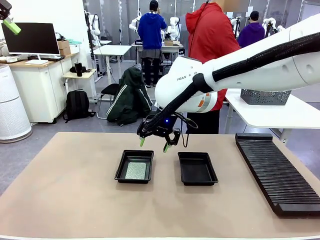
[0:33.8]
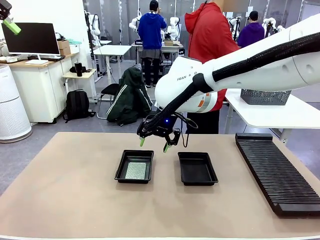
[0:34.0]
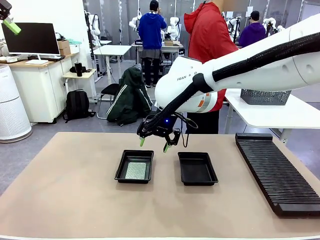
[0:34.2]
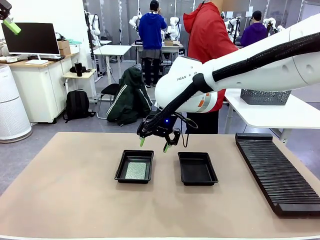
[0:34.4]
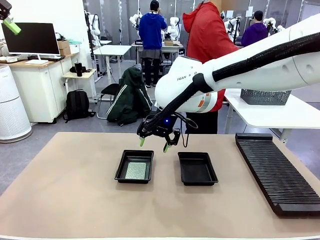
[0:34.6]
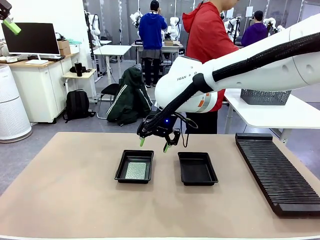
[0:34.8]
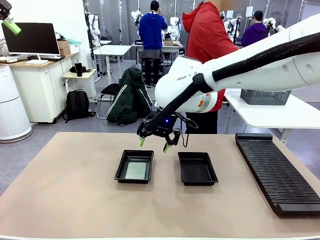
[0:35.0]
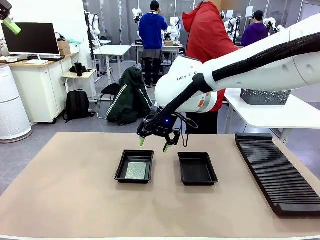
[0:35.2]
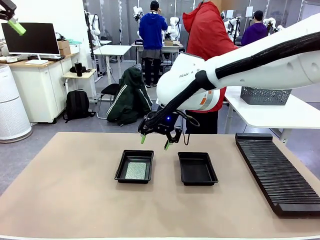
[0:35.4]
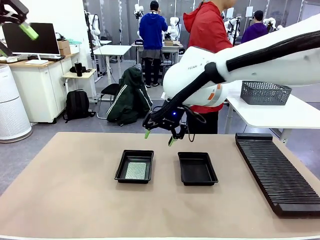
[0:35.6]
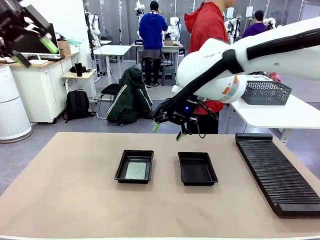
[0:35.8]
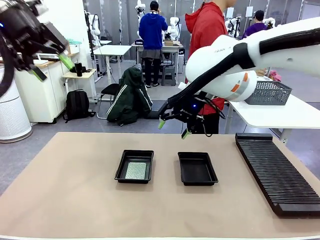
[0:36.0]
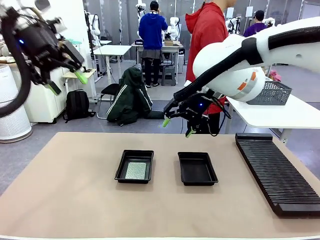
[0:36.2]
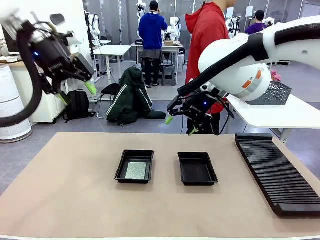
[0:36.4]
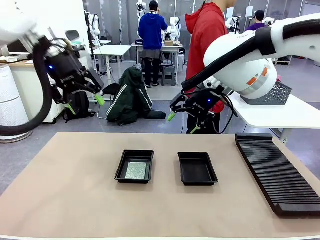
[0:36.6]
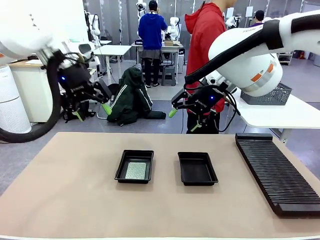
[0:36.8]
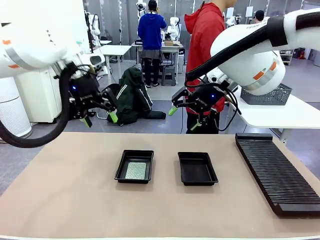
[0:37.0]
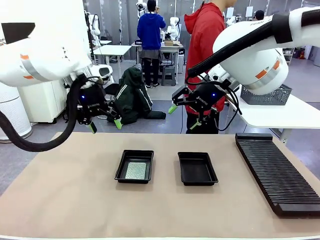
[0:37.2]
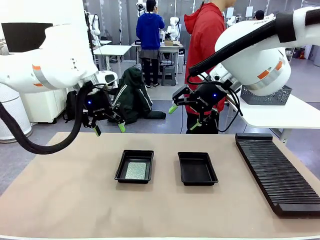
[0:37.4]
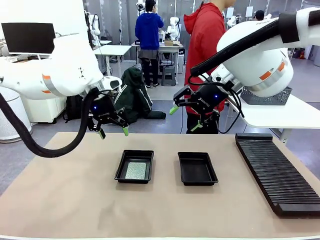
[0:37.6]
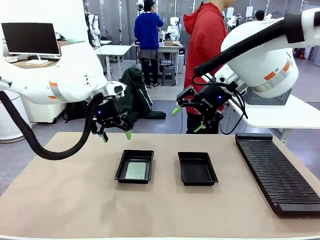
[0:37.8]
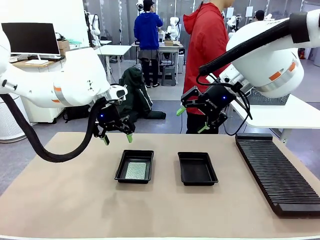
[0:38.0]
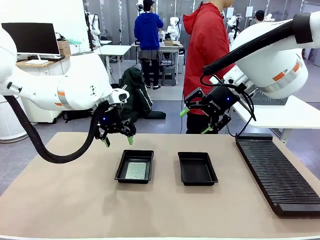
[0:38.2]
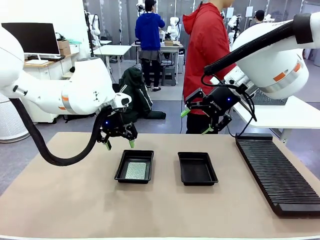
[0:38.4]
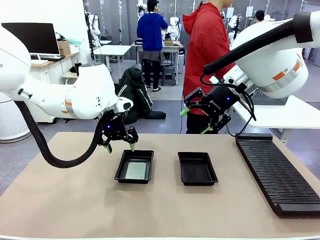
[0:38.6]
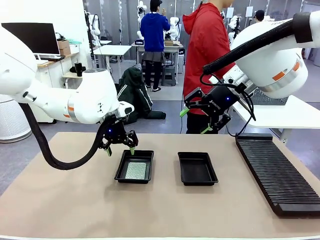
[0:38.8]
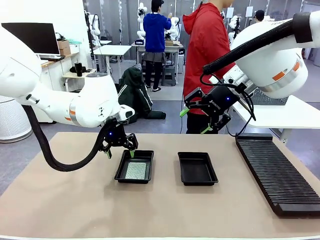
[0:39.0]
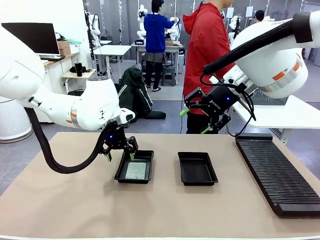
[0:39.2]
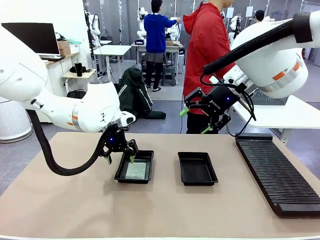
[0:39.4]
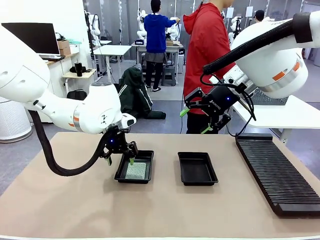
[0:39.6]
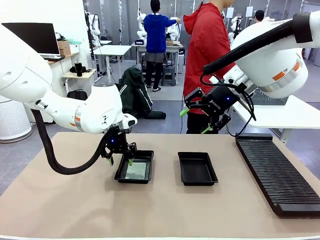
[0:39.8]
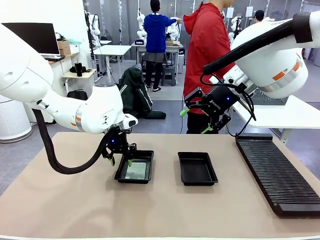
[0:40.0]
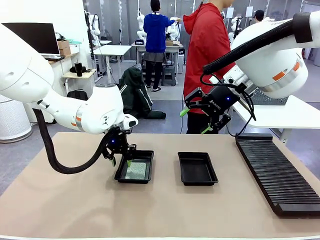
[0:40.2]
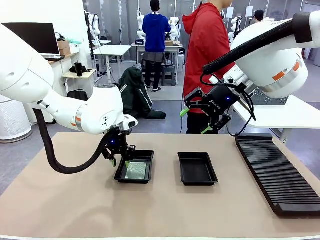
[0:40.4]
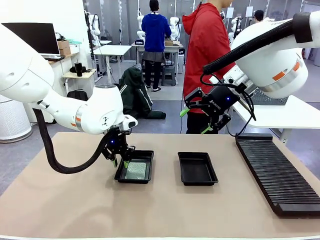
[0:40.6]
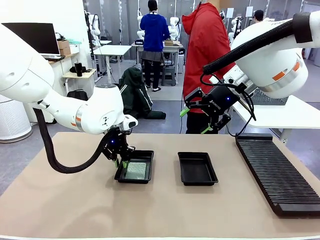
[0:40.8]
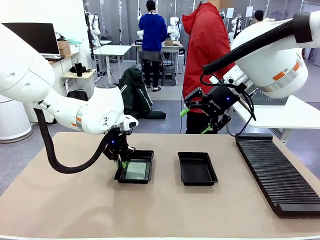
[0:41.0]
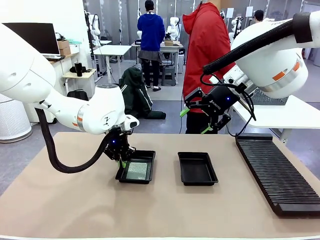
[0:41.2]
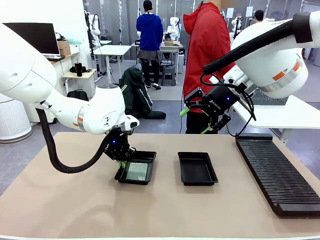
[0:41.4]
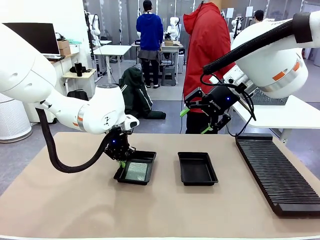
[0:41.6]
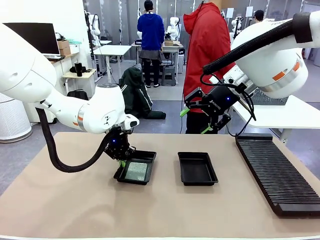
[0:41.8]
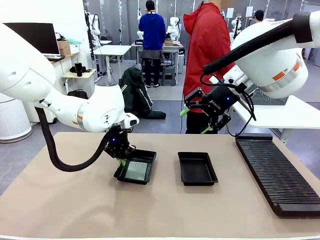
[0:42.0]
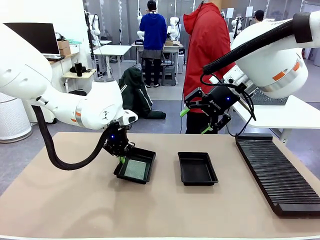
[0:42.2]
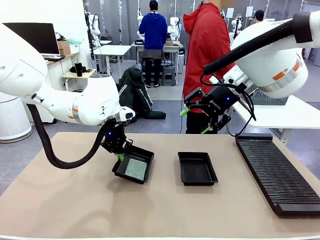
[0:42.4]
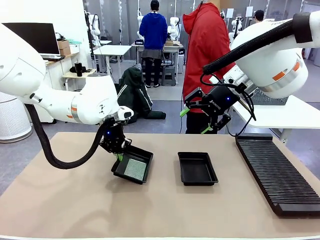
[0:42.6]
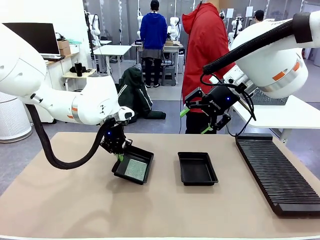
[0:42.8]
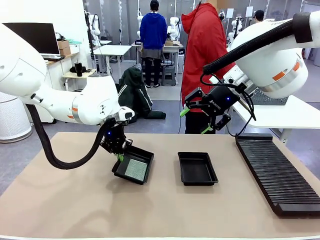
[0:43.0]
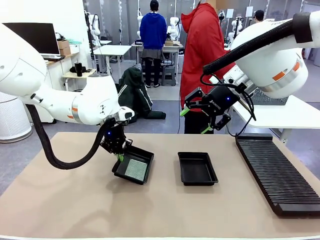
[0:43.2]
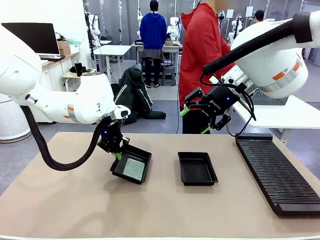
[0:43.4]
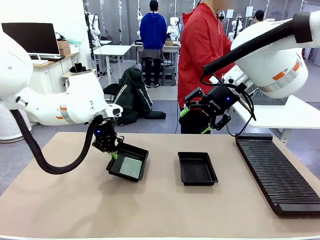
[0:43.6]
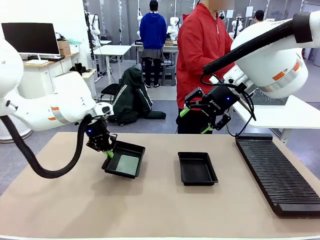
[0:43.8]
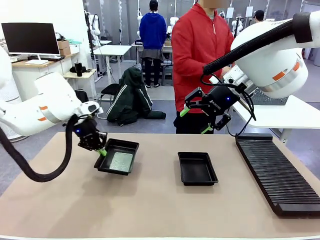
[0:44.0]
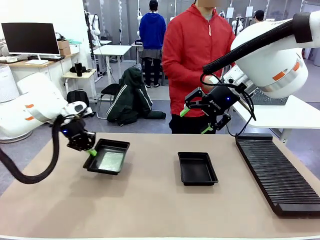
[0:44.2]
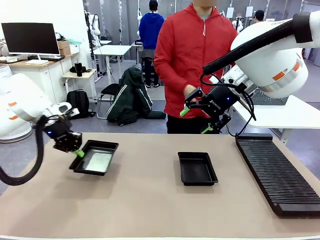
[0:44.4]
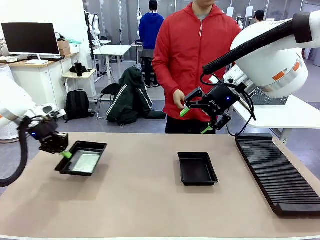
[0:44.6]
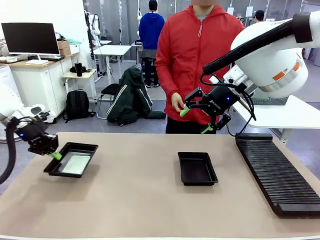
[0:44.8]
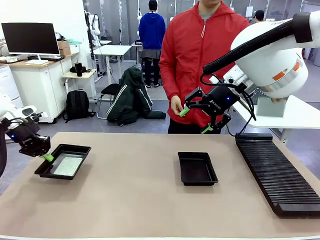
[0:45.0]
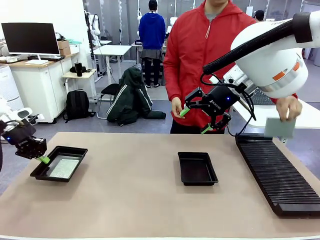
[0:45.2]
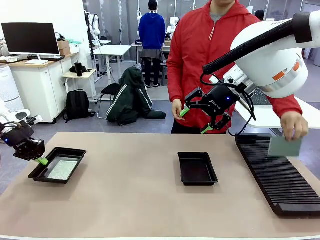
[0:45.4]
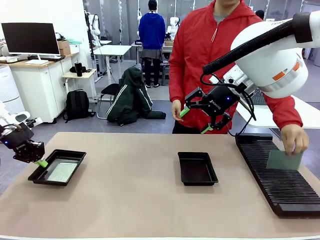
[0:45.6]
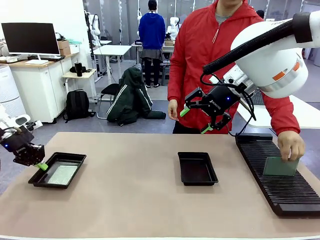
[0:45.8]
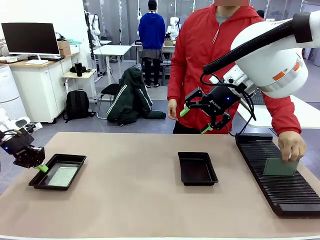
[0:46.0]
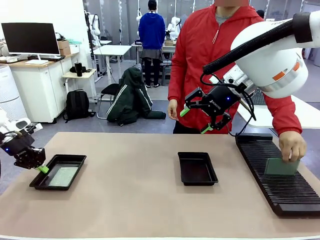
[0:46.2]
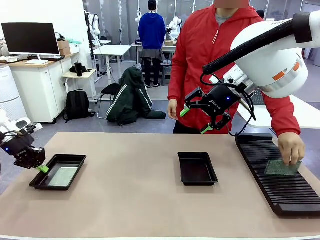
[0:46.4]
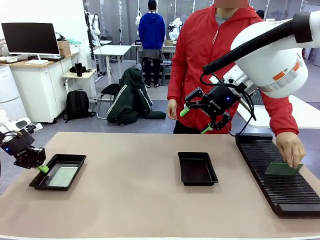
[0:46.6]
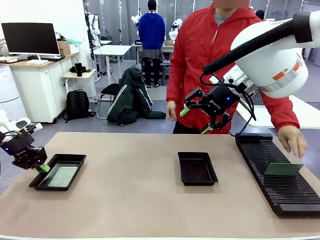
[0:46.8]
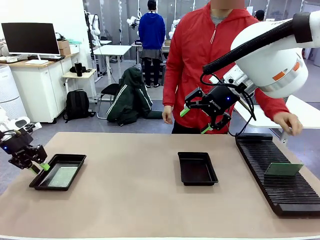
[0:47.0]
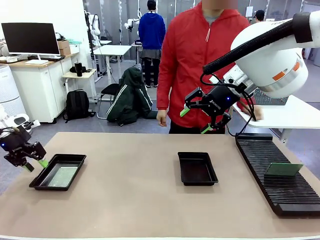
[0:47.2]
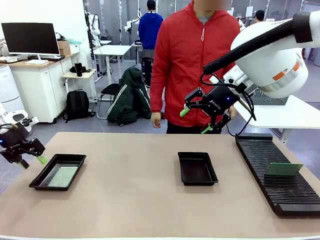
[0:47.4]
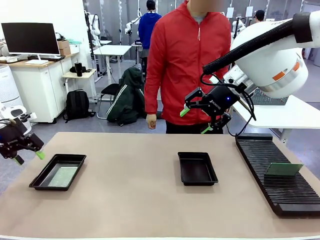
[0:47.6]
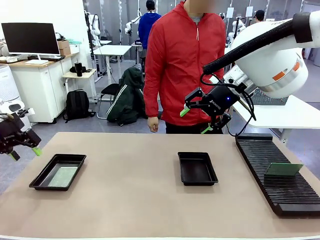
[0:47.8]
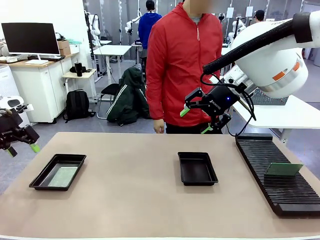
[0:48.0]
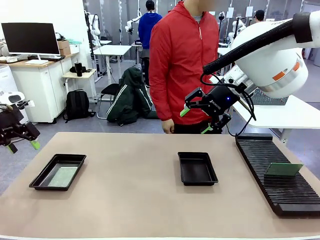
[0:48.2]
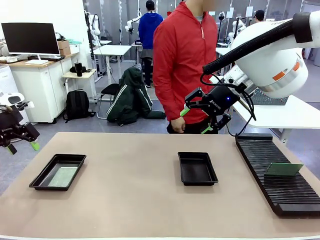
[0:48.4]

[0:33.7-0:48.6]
Task: Inspect and transfer BCBs to ESD trays.
Robot: Pick up the ESD tray and place it on the left side of the table.
